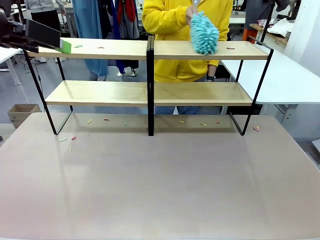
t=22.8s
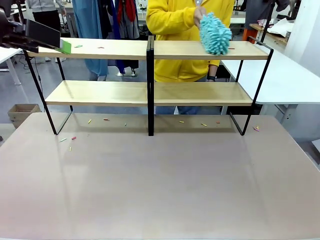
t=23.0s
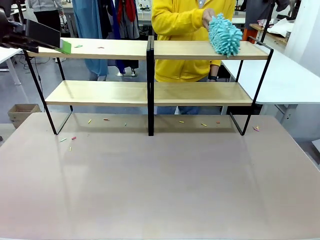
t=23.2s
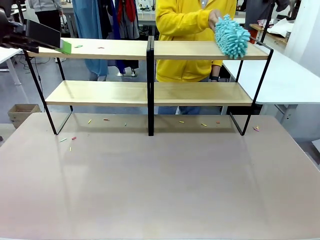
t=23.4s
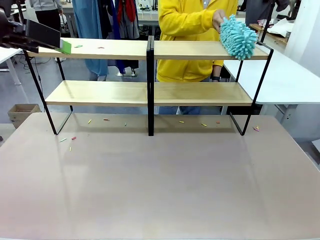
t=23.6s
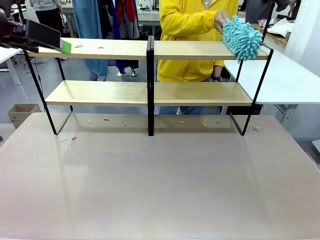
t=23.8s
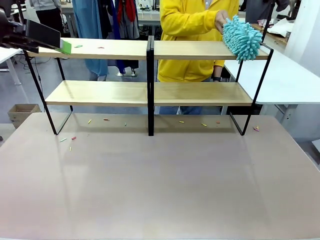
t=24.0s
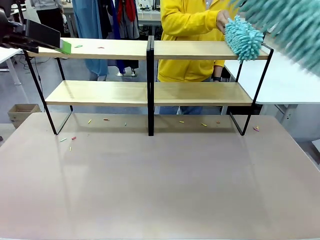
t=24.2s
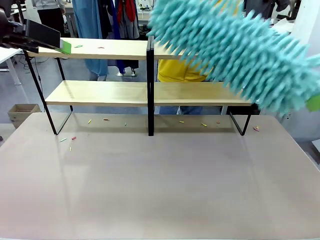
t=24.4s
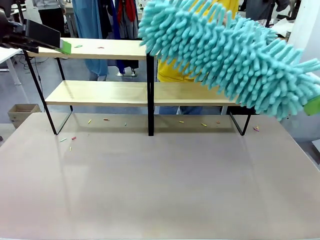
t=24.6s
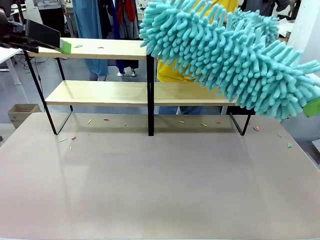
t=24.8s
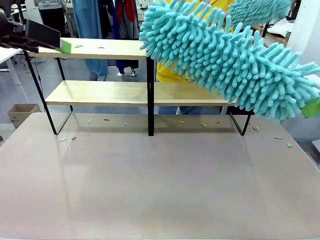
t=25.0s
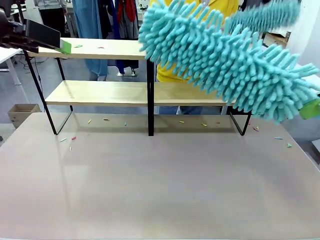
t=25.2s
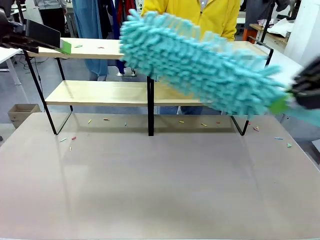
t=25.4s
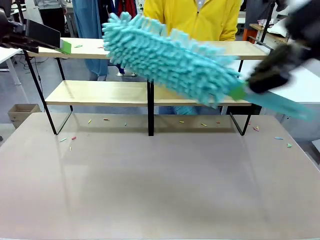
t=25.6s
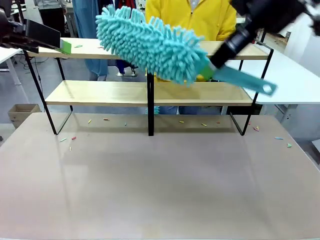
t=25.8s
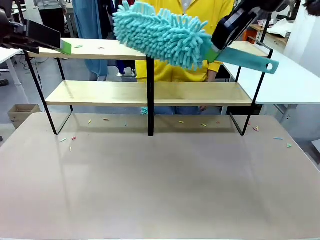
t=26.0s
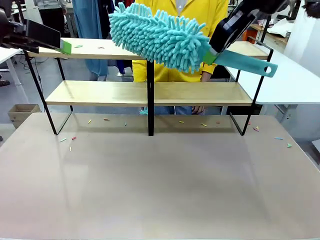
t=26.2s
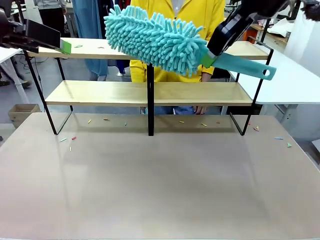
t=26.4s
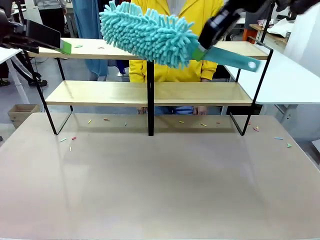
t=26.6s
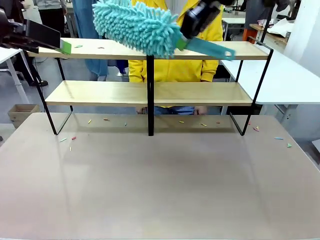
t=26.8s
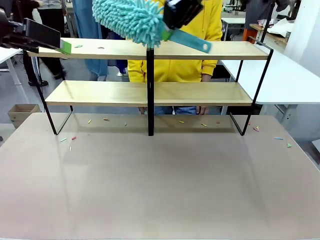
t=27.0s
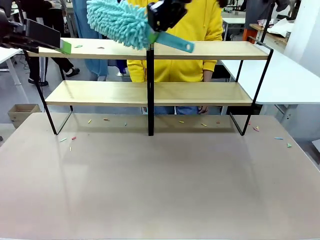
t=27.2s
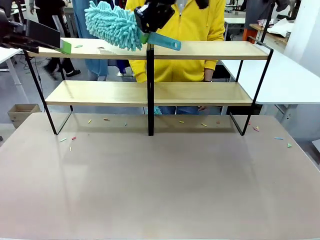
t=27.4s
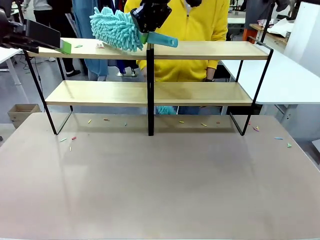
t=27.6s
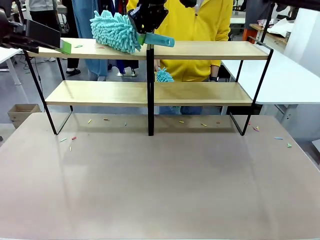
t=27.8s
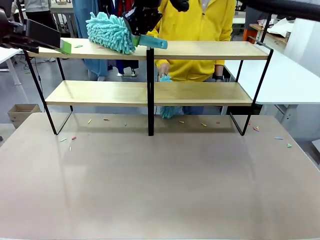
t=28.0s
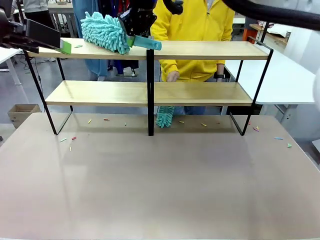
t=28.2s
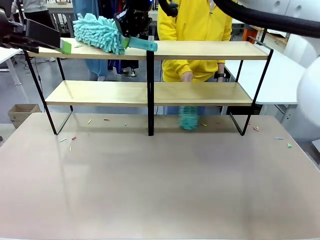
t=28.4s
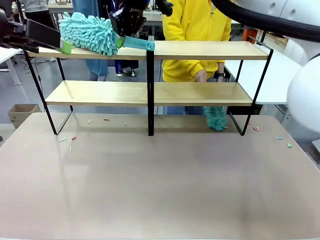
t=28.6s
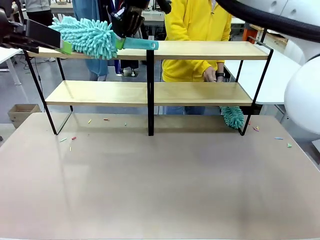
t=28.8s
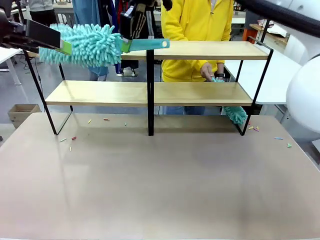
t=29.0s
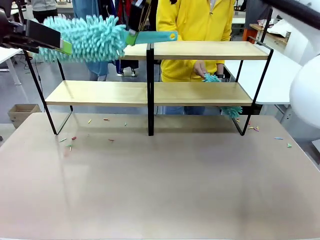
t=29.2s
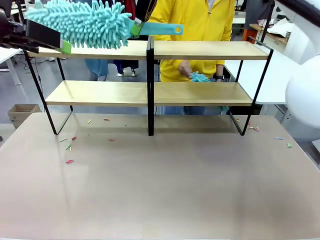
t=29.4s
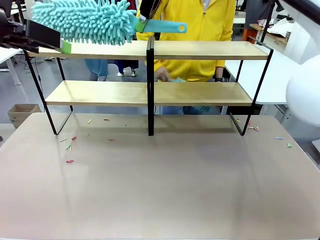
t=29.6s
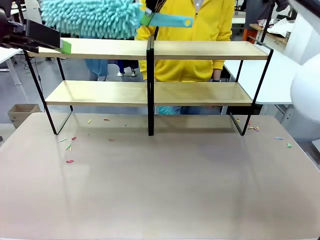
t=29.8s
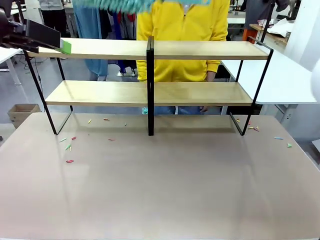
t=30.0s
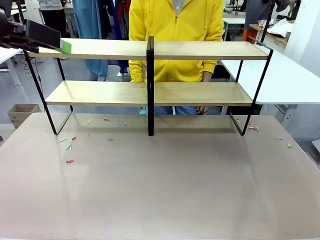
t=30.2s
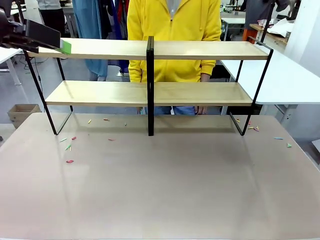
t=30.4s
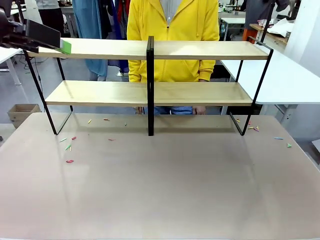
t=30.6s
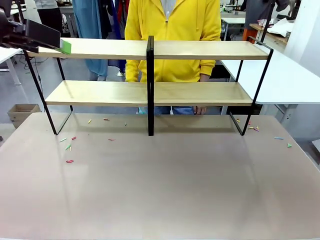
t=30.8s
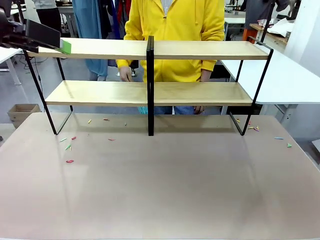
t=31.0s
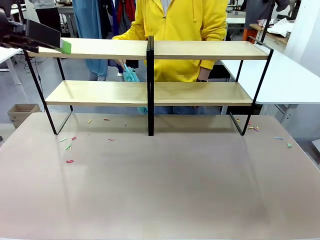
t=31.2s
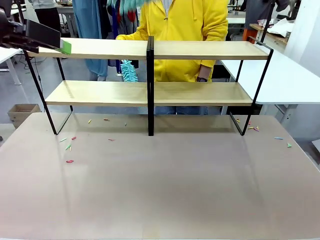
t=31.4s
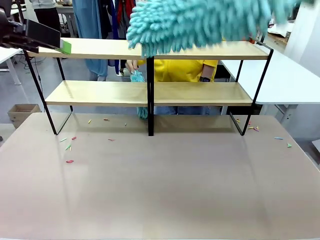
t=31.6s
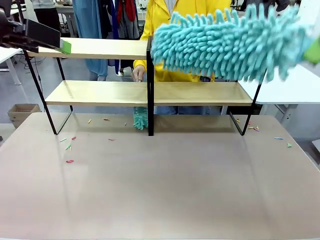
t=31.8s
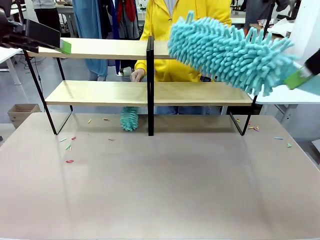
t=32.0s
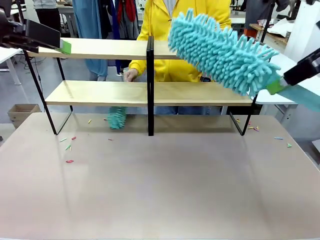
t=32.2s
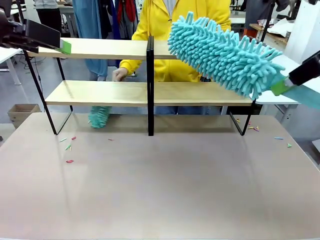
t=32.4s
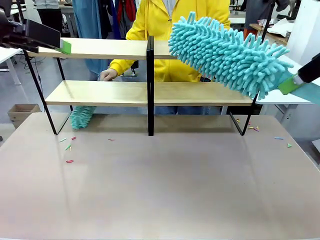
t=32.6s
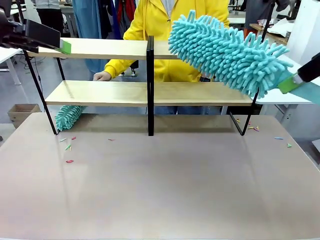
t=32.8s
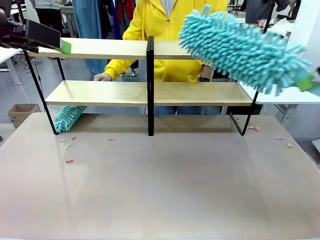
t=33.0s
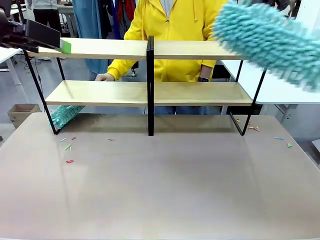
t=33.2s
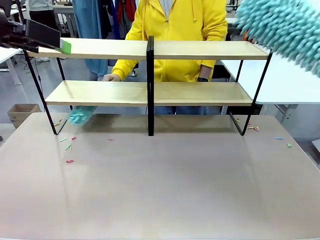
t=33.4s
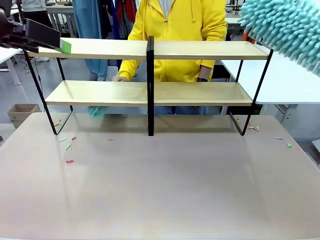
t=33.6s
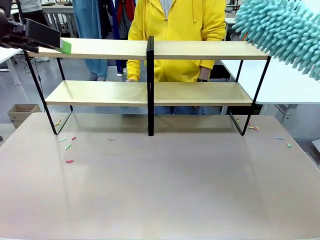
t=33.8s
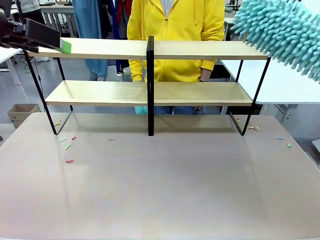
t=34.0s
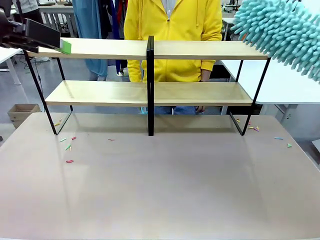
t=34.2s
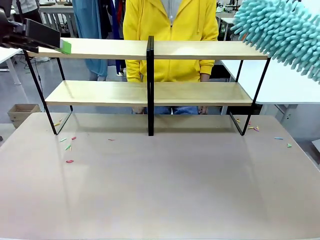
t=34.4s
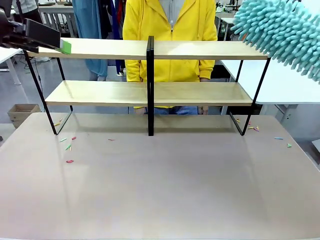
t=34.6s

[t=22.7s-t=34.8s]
Task: Clean the shelves.
Robot: Clean another randomly selected level of the Shelf with the Duster.

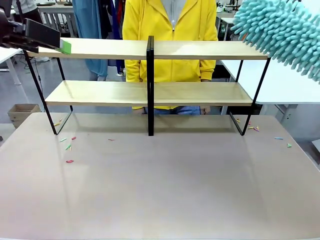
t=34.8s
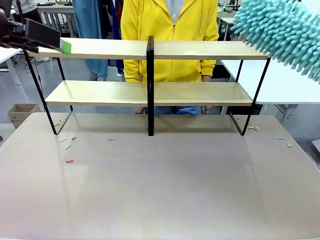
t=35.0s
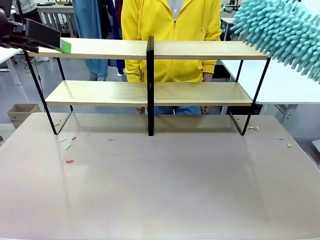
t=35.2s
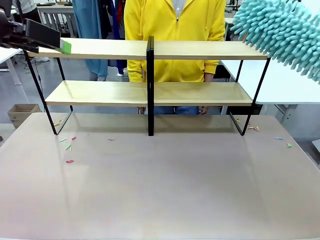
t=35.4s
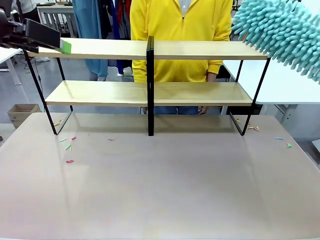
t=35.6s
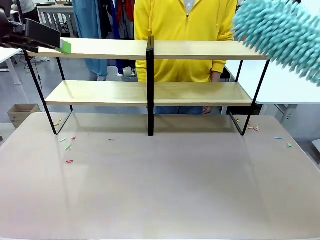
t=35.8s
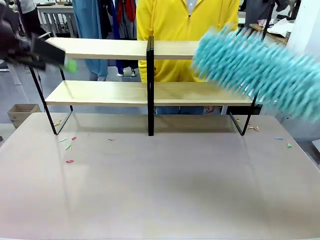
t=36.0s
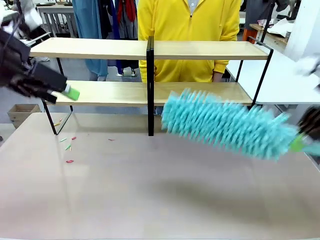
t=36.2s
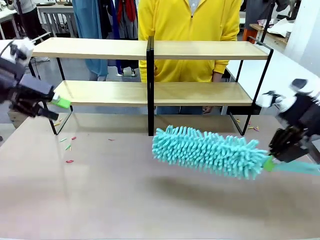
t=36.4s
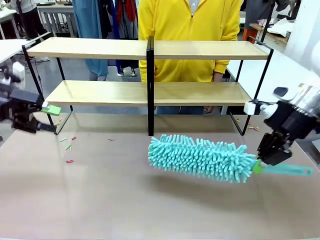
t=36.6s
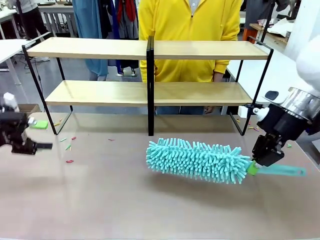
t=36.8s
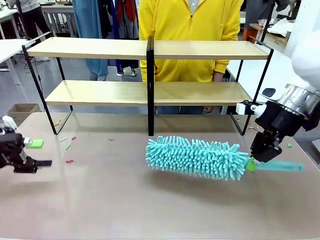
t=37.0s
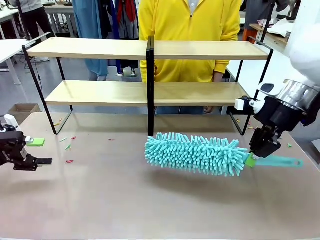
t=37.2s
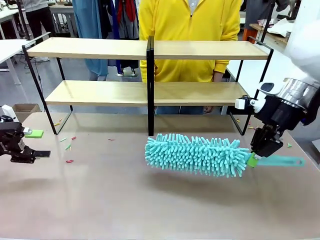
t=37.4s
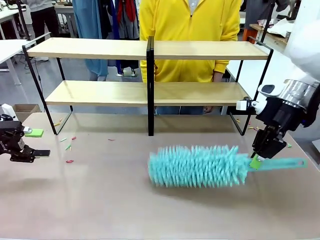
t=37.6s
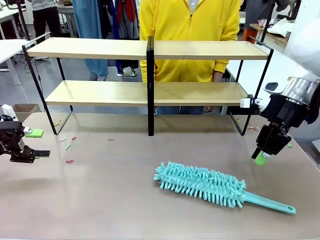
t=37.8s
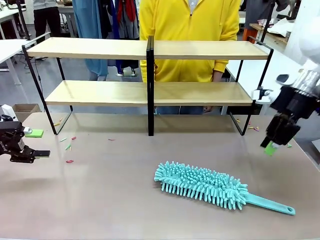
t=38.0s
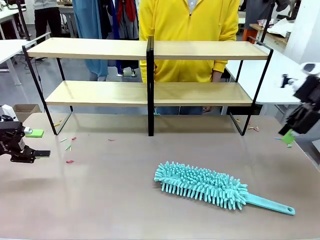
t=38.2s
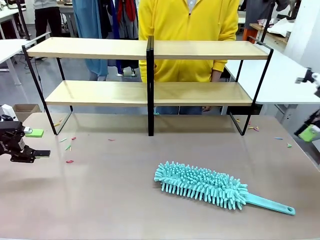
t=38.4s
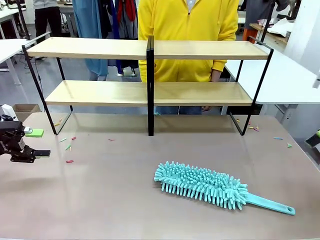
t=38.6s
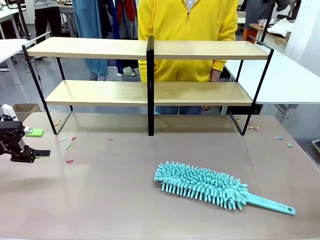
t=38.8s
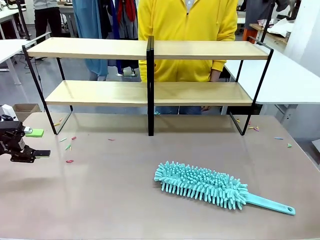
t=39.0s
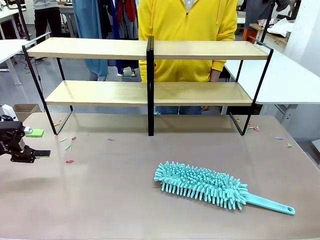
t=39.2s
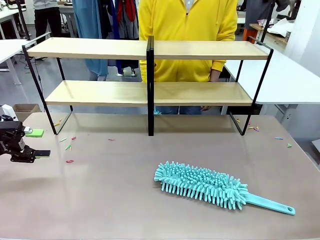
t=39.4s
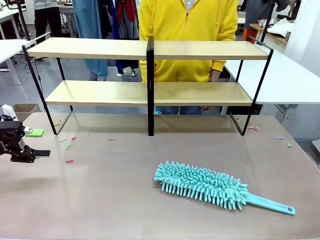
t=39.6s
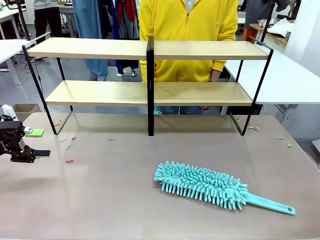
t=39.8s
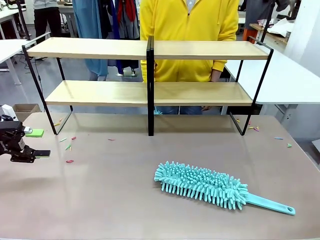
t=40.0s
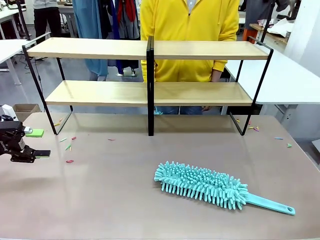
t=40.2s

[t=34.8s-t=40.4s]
Robot: Place the Duster on the table.
